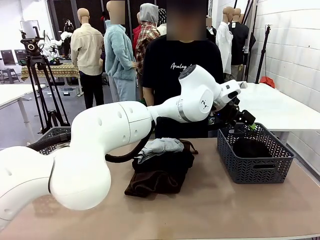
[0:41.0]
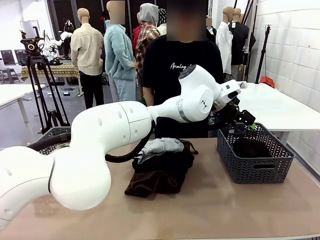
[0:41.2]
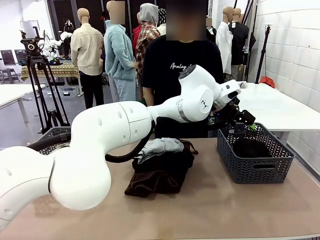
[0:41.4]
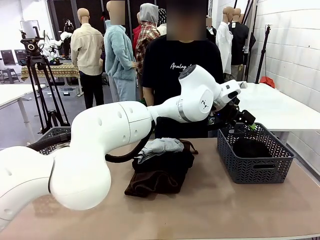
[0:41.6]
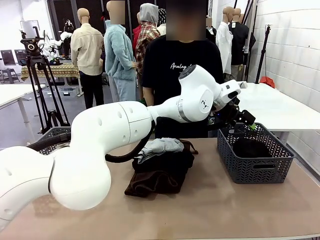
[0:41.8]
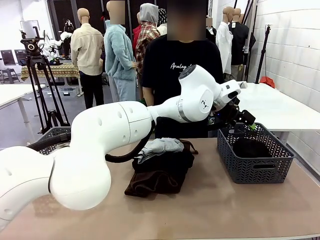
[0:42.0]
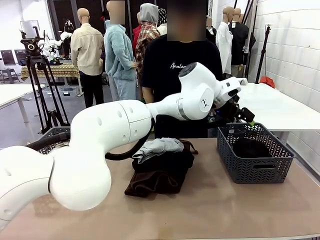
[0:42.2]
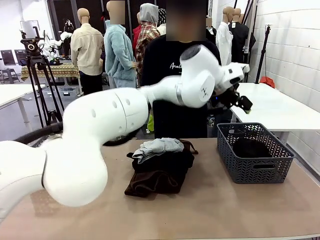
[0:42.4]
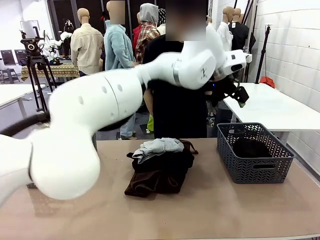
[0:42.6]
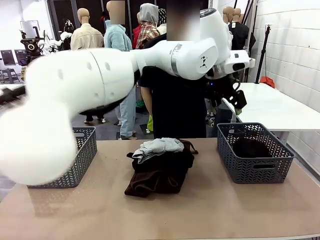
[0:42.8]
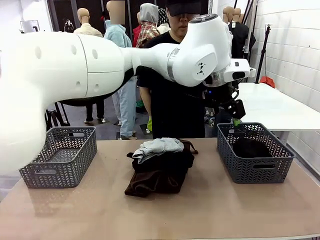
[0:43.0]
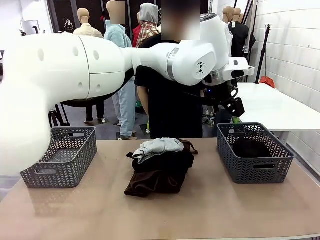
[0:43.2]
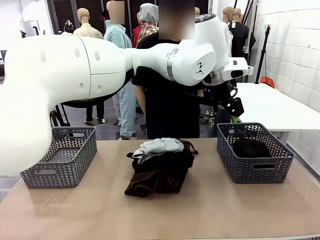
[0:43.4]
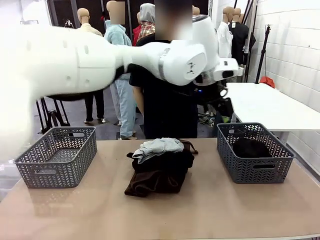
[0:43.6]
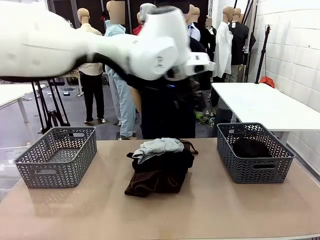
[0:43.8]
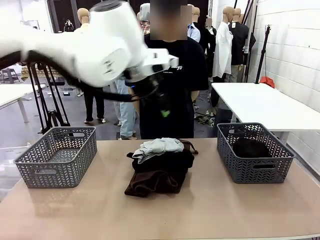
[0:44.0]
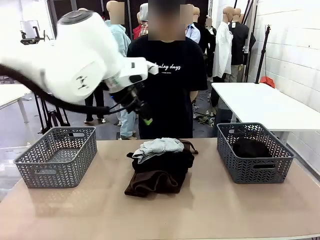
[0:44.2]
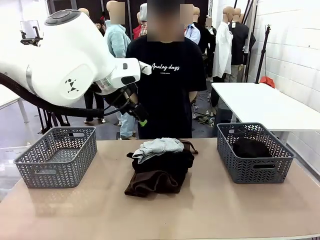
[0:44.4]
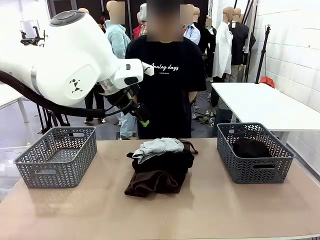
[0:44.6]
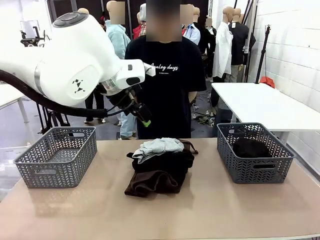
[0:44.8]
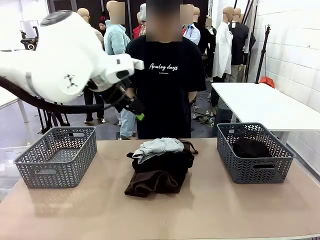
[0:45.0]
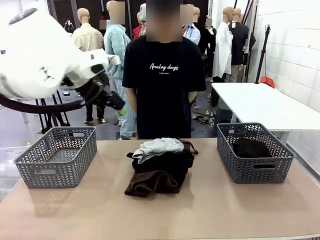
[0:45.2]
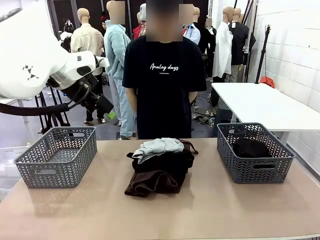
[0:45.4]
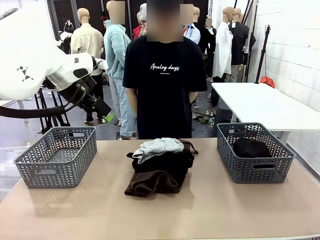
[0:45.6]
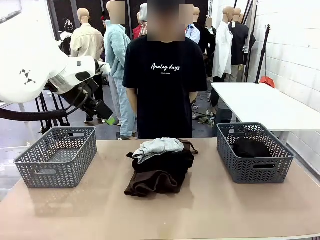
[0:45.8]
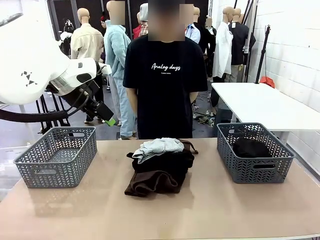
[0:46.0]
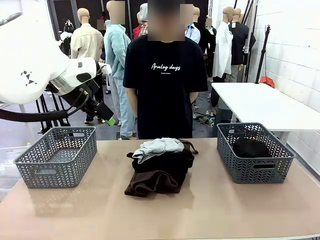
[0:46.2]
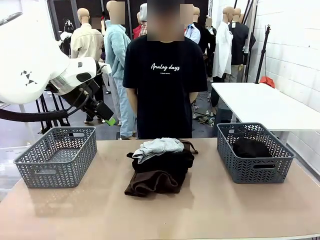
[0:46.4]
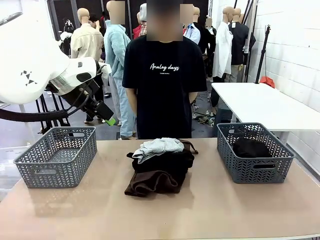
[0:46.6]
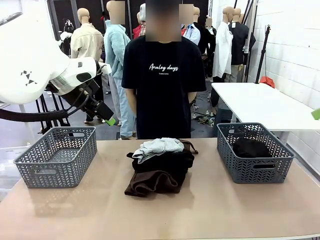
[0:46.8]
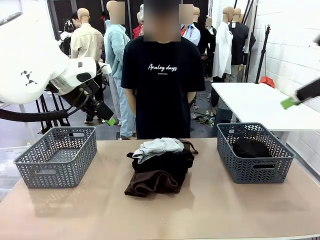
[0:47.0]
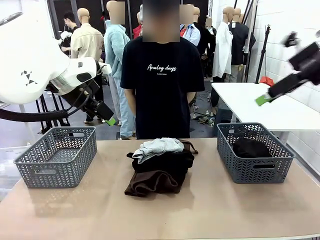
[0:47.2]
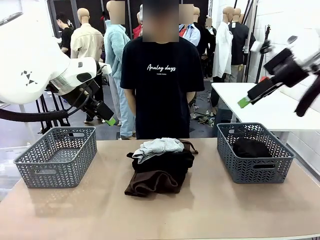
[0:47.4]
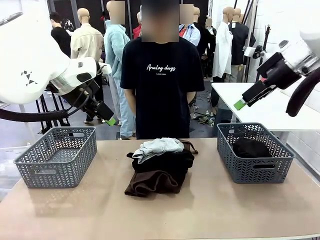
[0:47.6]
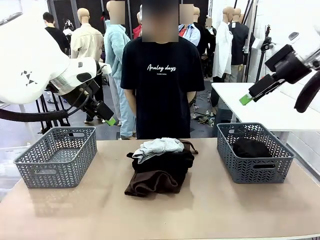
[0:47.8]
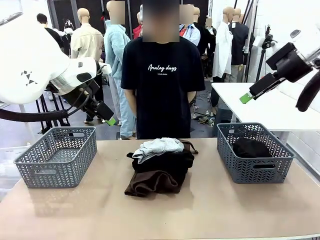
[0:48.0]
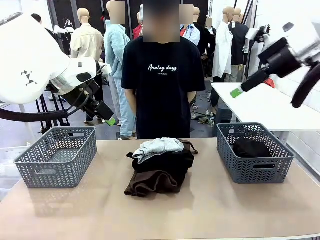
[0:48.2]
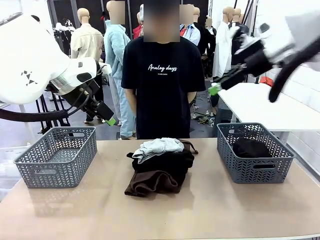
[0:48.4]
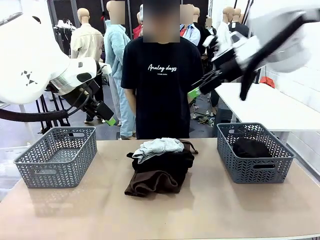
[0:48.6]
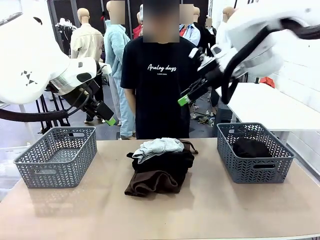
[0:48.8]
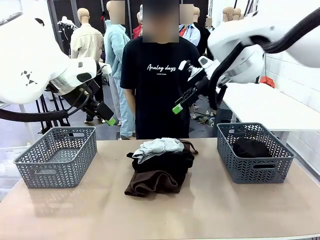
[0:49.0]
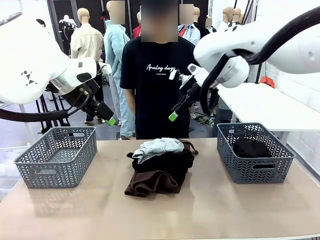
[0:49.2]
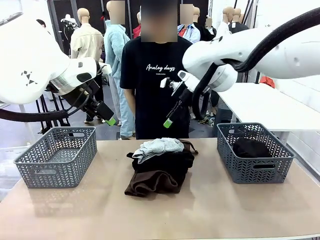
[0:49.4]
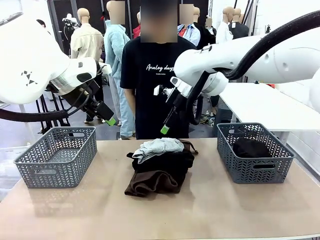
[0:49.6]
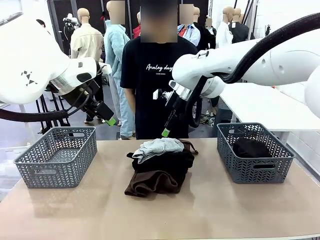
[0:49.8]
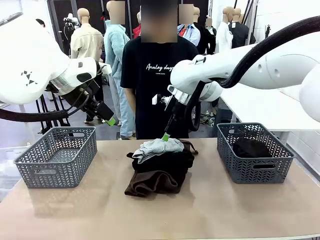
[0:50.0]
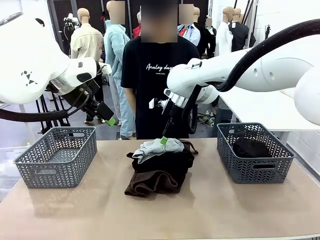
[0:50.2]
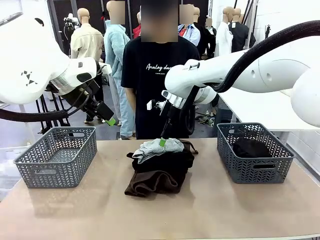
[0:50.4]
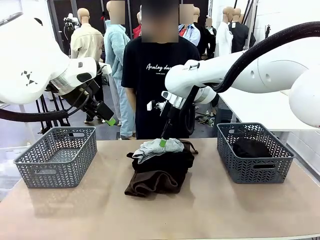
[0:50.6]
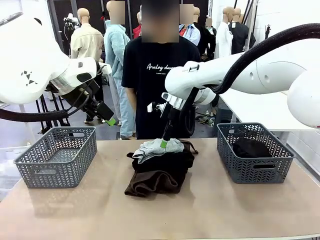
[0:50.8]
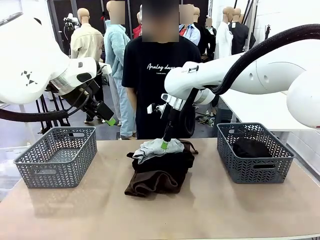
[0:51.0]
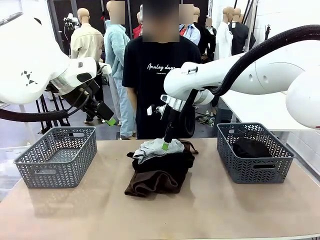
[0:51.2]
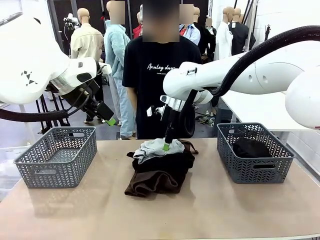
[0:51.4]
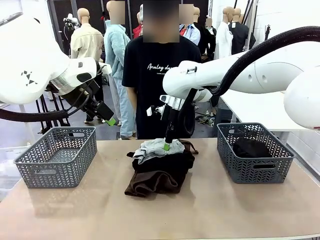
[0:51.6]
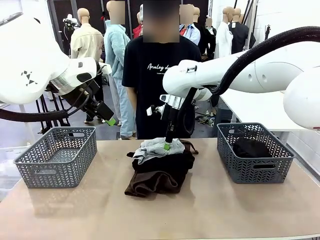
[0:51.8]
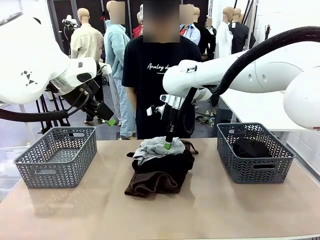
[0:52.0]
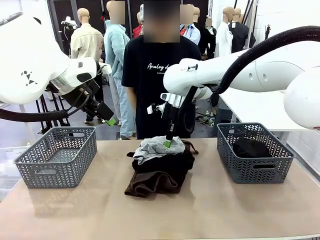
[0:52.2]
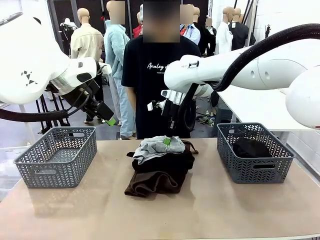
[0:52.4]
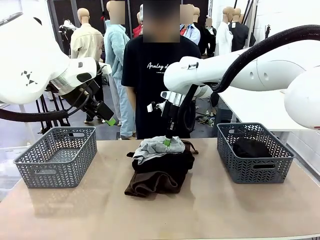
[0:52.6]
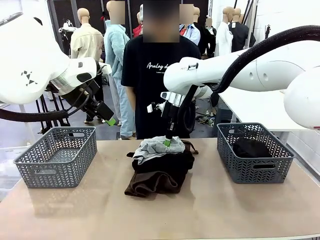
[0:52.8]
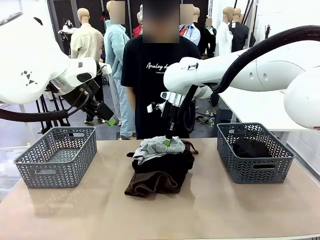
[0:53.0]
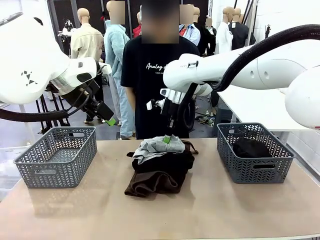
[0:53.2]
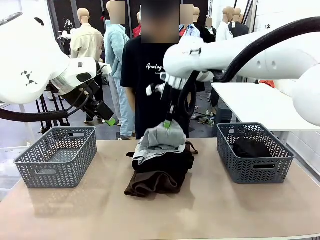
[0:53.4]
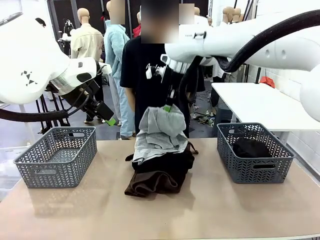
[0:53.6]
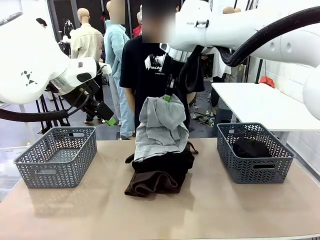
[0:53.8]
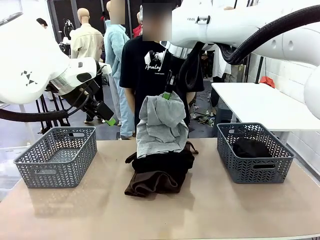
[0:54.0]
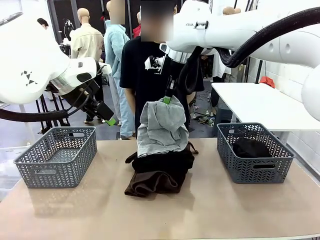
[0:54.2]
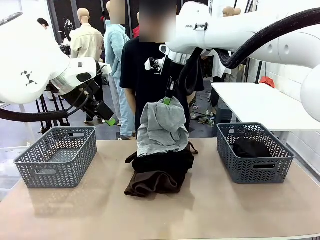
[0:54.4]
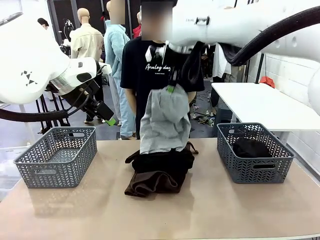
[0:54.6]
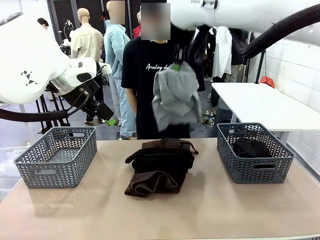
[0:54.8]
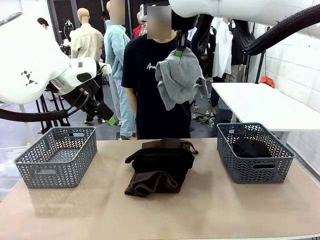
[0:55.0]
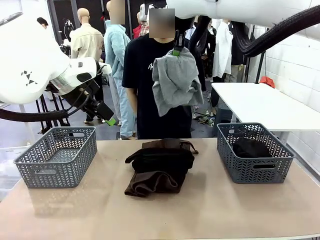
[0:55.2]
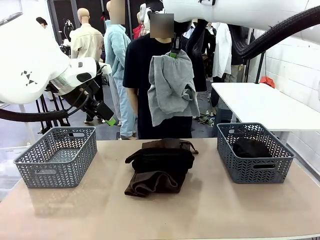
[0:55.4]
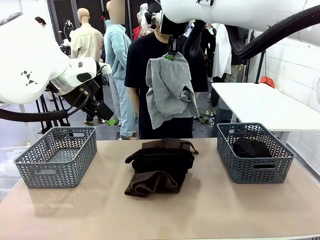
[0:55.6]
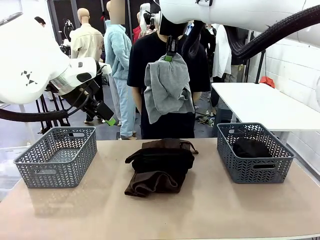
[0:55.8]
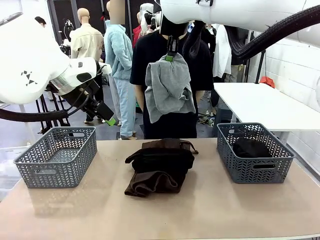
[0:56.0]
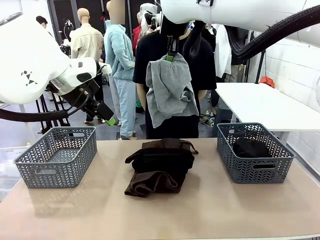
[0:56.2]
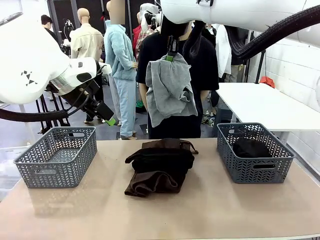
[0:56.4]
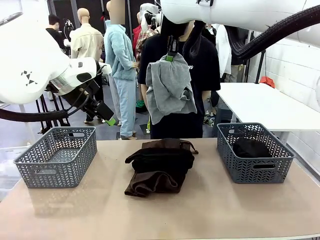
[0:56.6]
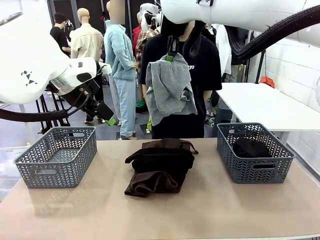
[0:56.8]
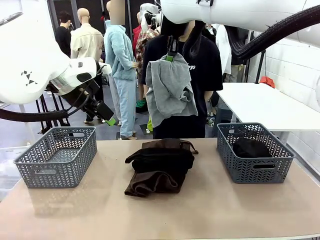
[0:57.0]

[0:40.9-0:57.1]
Task: Sort the tops and bottoms.
Robot: Lift clothes from the center of the table with your right hand.

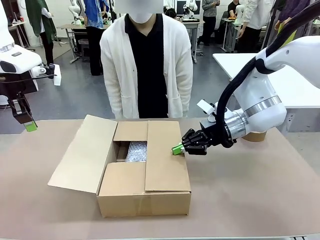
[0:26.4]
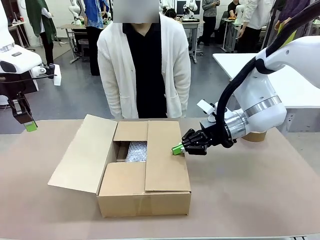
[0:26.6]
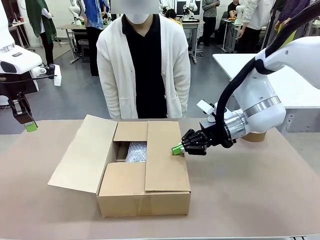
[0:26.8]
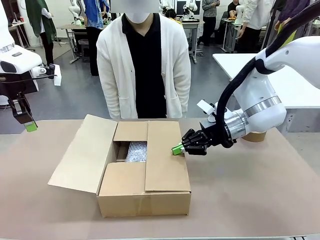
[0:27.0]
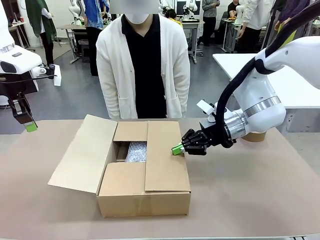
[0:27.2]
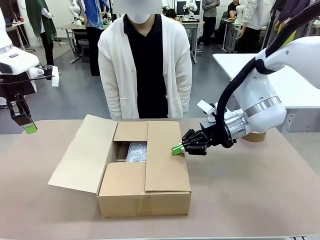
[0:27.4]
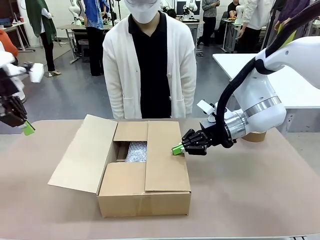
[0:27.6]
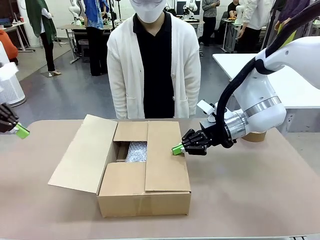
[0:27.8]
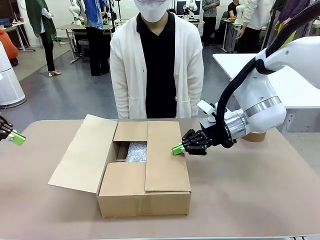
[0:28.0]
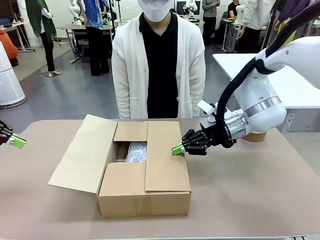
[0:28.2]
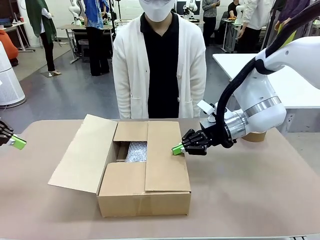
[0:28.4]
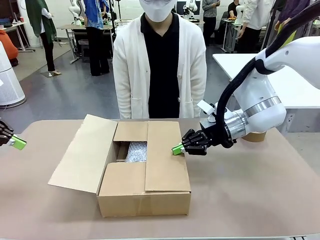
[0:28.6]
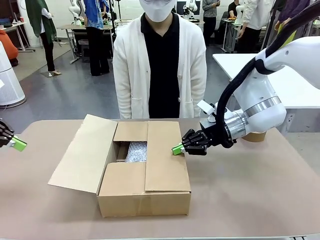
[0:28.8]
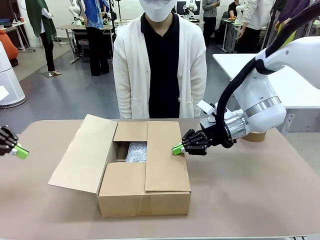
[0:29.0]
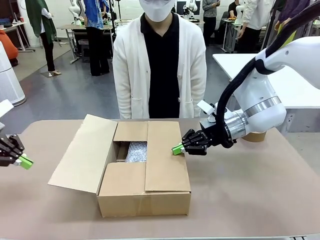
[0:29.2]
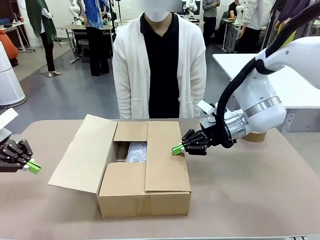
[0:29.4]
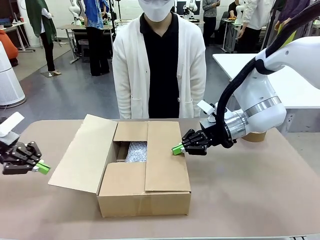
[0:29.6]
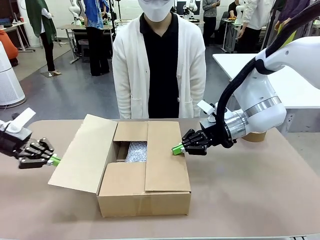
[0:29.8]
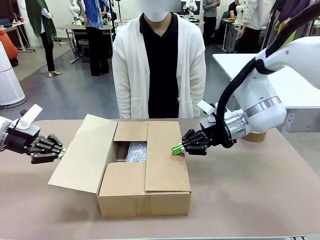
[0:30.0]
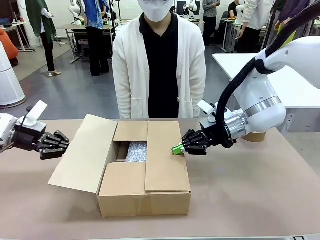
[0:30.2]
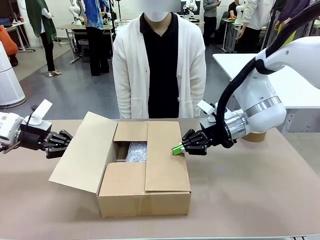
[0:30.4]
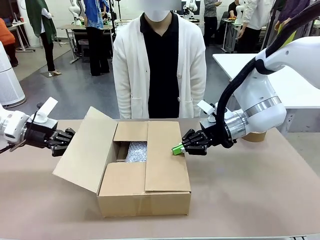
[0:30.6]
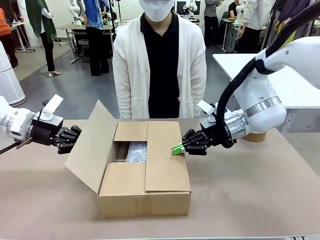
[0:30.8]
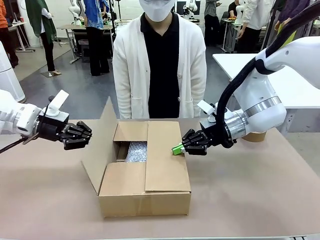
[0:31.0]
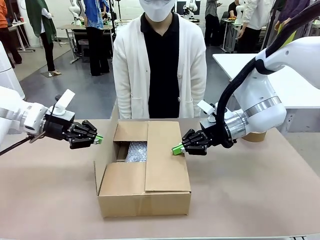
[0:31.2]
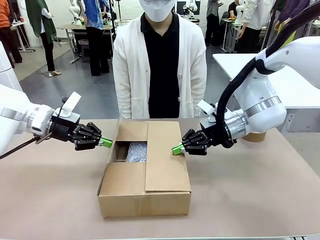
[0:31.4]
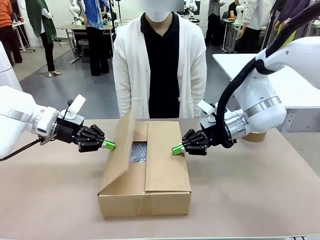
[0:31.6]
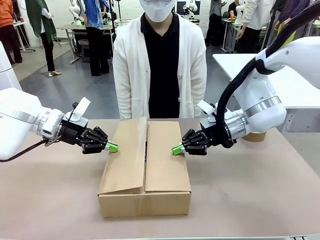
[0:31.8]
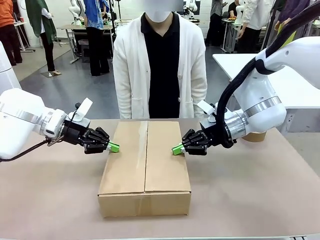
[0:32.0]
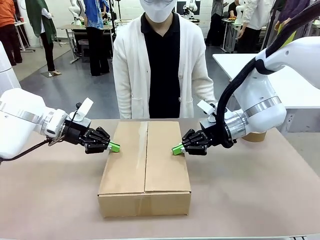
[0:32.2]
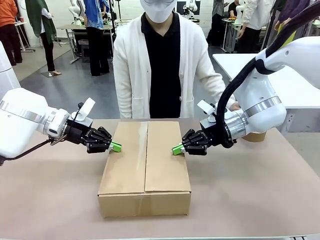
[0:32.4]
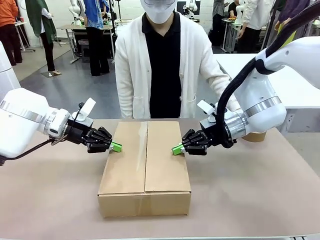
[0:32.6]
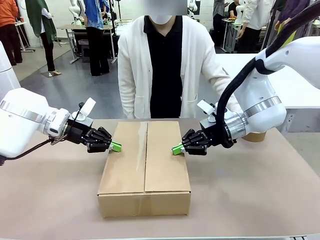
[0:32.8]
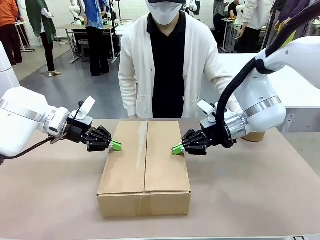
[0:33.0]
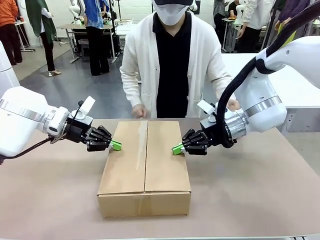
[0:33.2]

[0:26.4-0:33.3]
Task: Wrap the clocks to prevent damage.
Robot: Push the left (or right) flap of the Package Box to close it.
